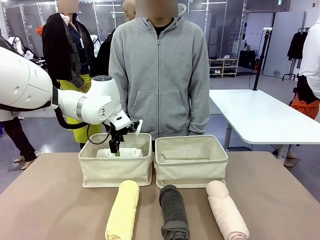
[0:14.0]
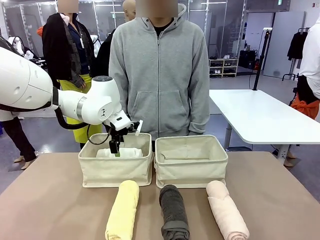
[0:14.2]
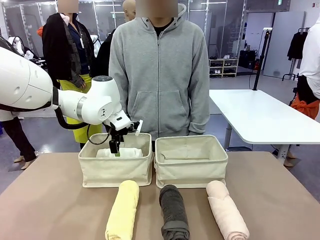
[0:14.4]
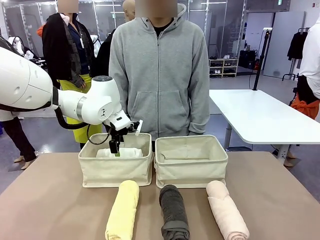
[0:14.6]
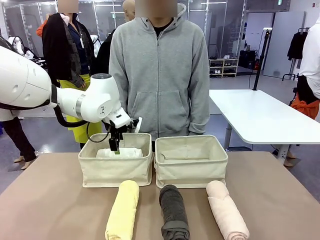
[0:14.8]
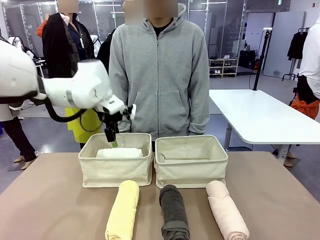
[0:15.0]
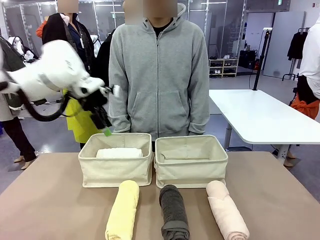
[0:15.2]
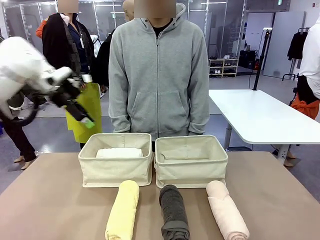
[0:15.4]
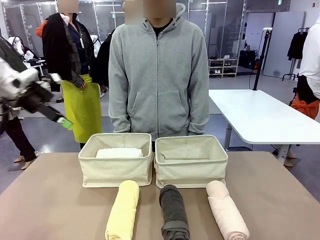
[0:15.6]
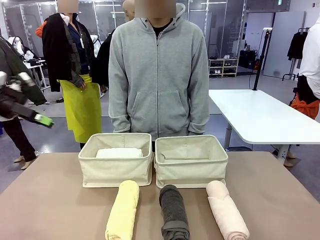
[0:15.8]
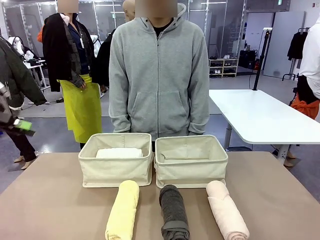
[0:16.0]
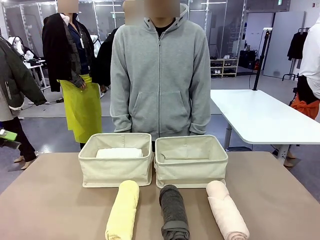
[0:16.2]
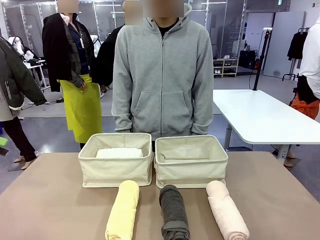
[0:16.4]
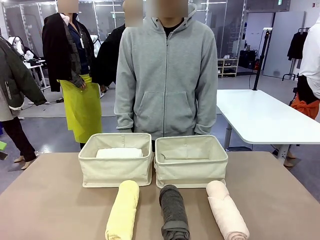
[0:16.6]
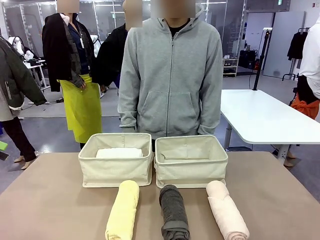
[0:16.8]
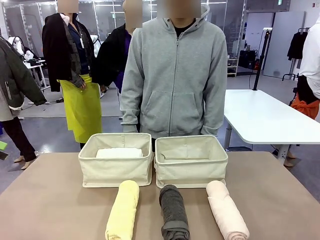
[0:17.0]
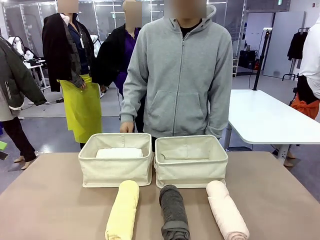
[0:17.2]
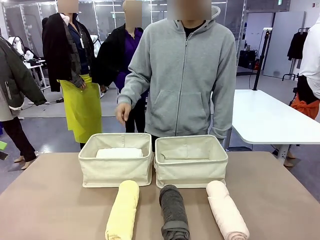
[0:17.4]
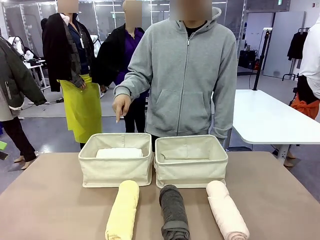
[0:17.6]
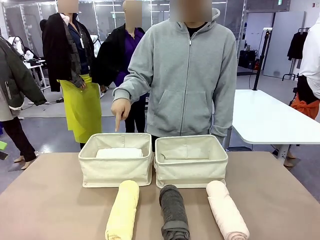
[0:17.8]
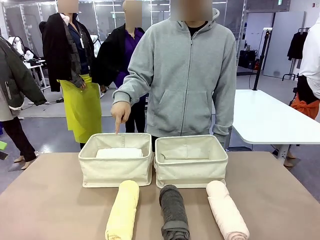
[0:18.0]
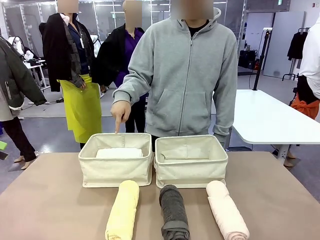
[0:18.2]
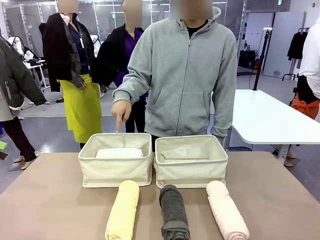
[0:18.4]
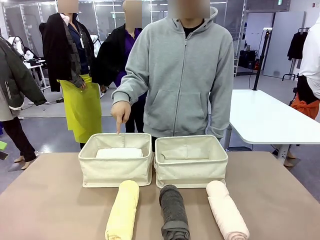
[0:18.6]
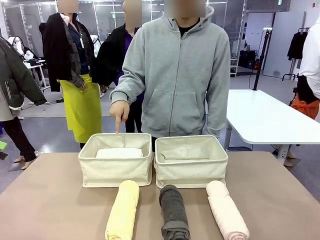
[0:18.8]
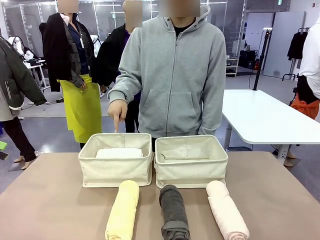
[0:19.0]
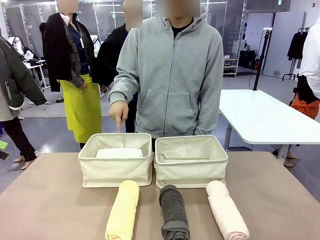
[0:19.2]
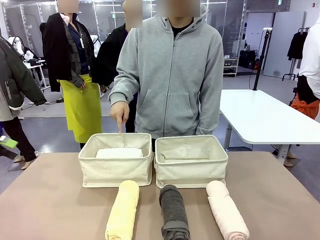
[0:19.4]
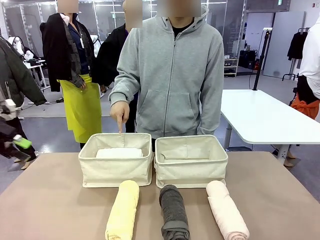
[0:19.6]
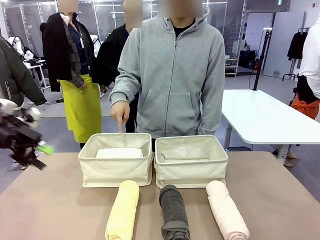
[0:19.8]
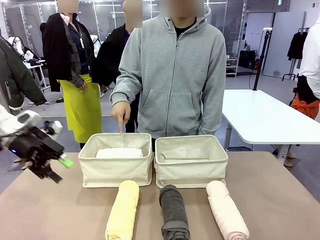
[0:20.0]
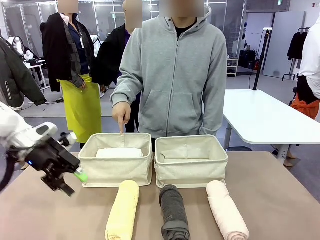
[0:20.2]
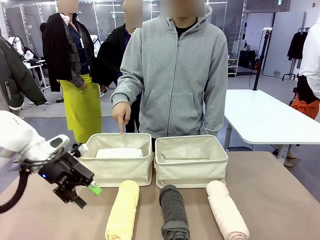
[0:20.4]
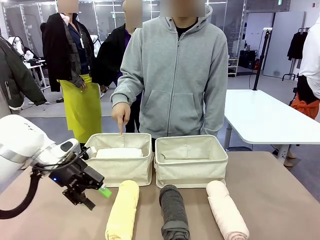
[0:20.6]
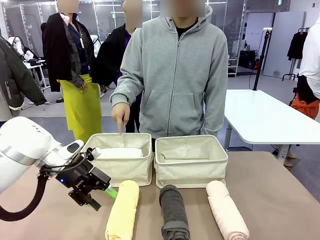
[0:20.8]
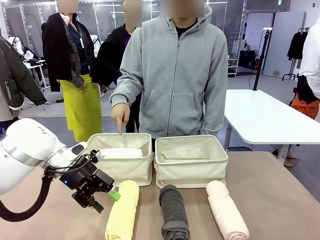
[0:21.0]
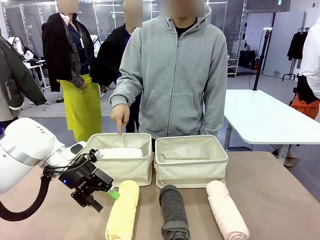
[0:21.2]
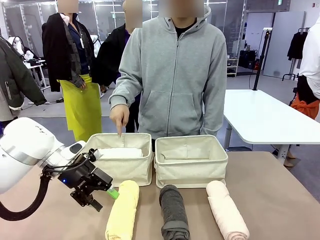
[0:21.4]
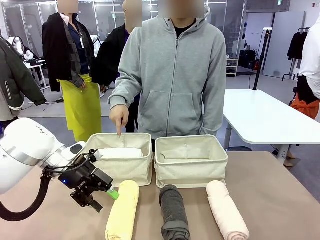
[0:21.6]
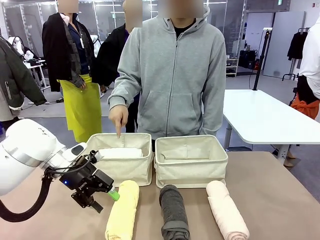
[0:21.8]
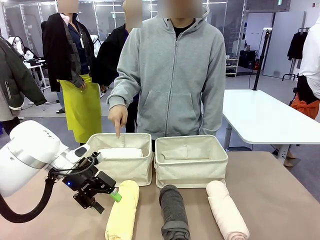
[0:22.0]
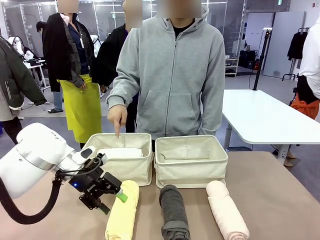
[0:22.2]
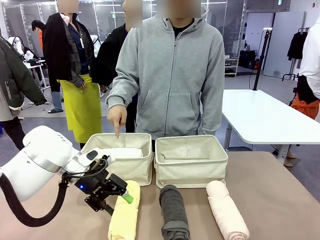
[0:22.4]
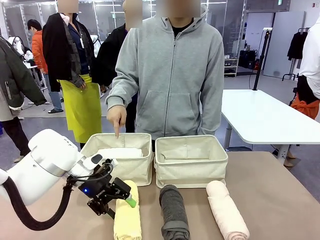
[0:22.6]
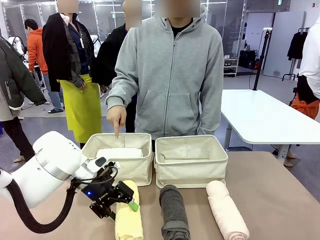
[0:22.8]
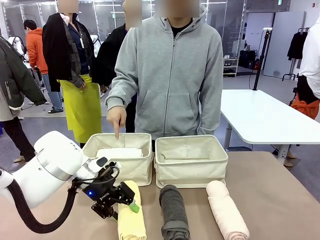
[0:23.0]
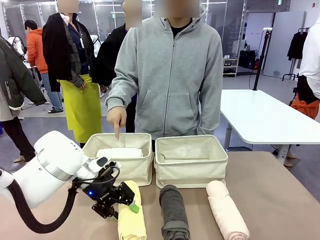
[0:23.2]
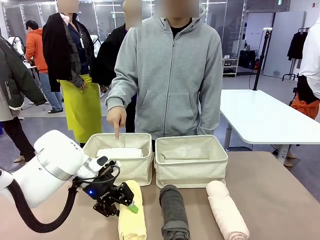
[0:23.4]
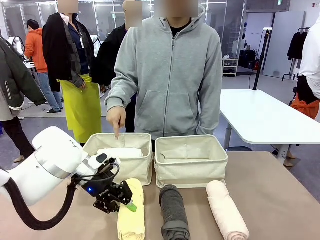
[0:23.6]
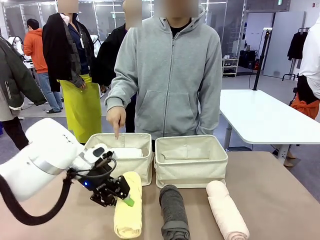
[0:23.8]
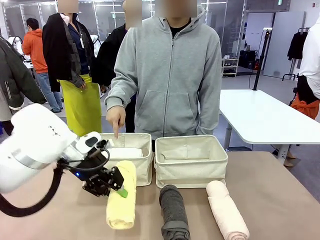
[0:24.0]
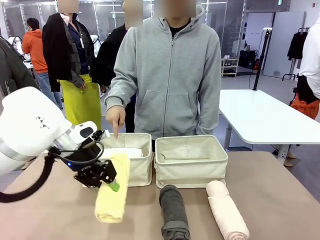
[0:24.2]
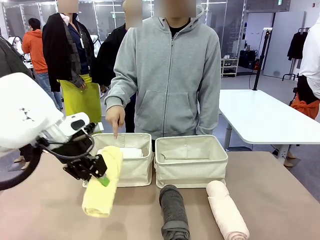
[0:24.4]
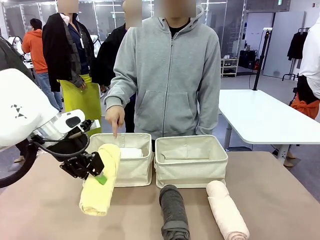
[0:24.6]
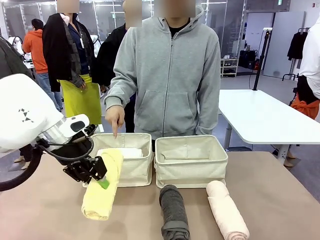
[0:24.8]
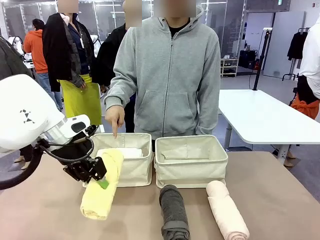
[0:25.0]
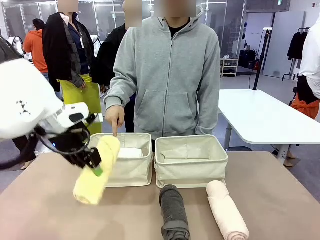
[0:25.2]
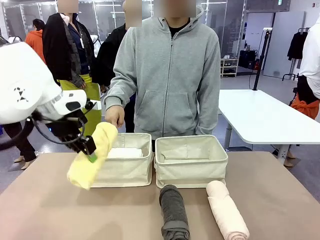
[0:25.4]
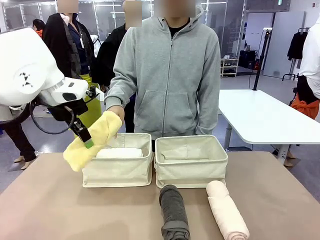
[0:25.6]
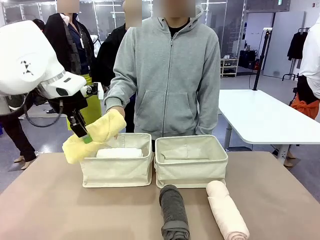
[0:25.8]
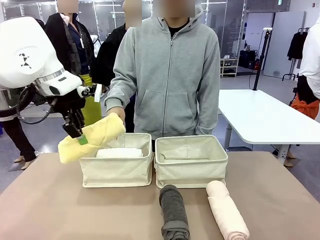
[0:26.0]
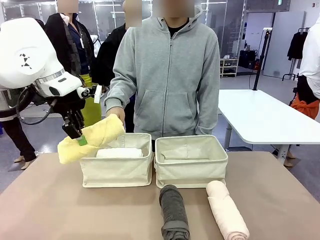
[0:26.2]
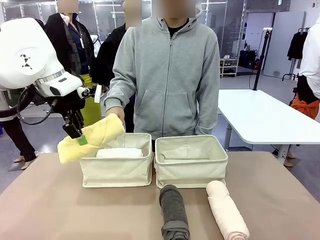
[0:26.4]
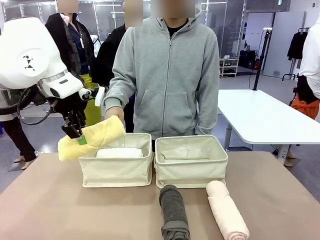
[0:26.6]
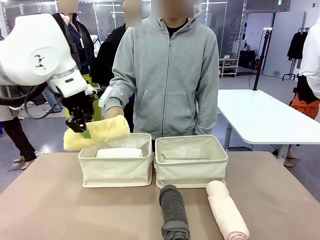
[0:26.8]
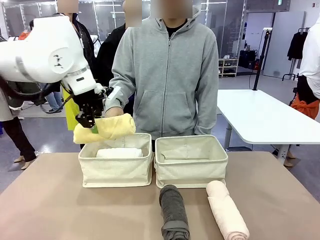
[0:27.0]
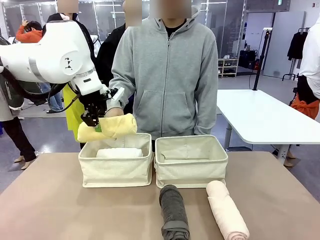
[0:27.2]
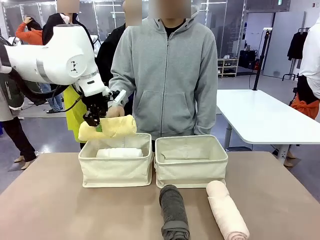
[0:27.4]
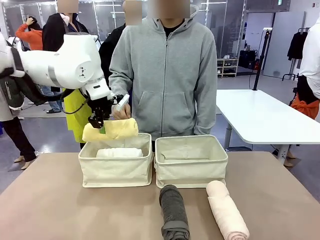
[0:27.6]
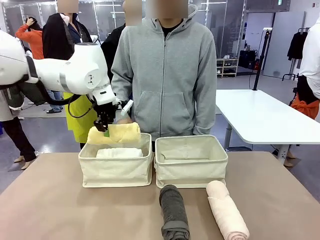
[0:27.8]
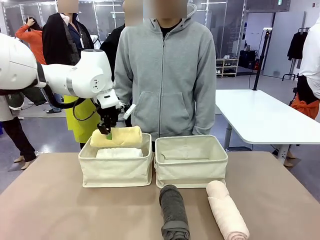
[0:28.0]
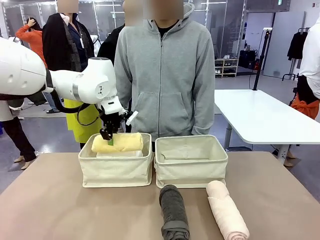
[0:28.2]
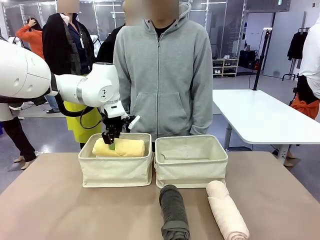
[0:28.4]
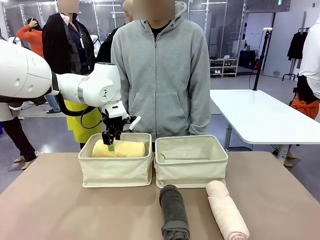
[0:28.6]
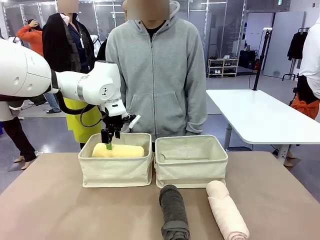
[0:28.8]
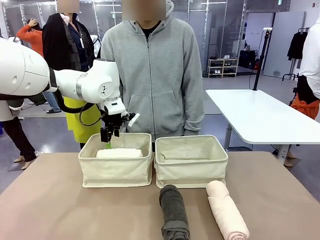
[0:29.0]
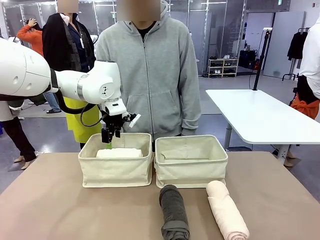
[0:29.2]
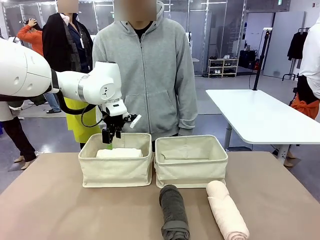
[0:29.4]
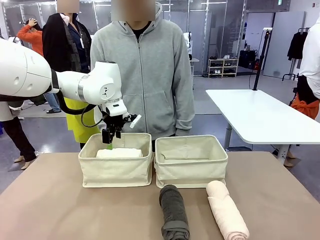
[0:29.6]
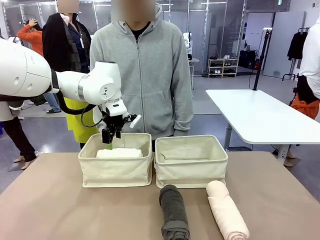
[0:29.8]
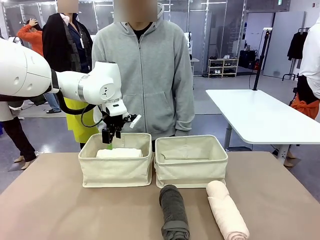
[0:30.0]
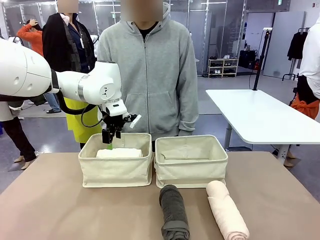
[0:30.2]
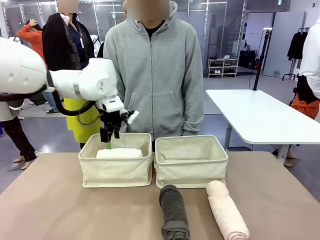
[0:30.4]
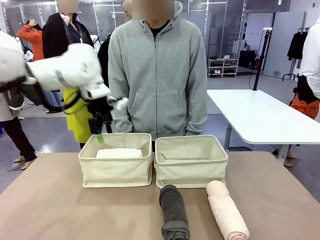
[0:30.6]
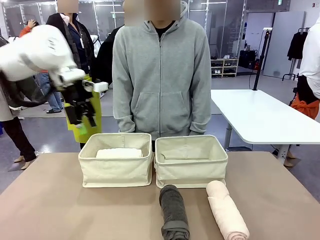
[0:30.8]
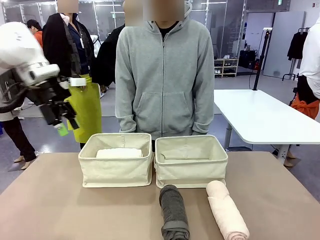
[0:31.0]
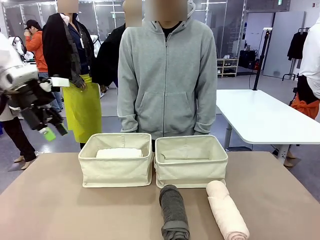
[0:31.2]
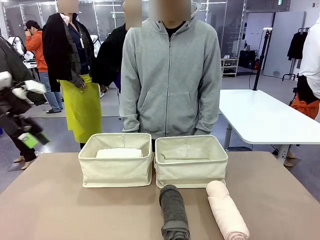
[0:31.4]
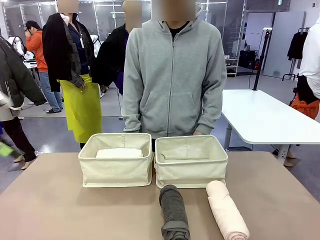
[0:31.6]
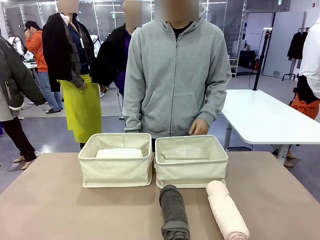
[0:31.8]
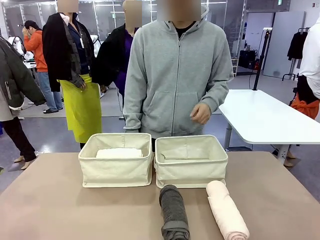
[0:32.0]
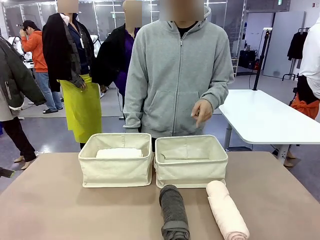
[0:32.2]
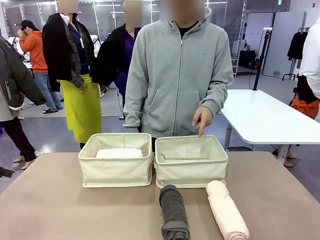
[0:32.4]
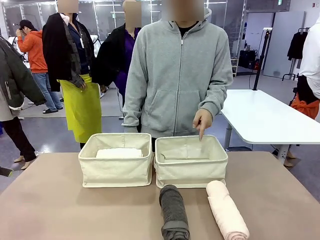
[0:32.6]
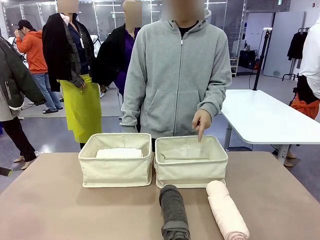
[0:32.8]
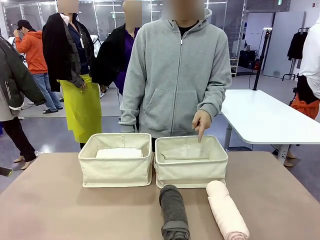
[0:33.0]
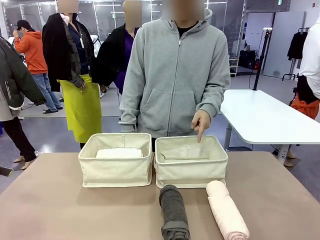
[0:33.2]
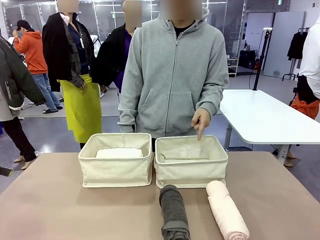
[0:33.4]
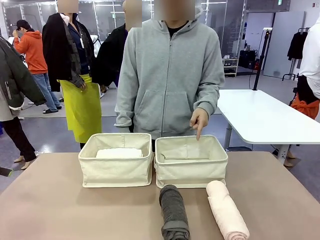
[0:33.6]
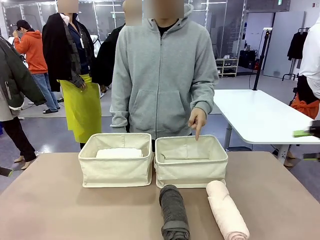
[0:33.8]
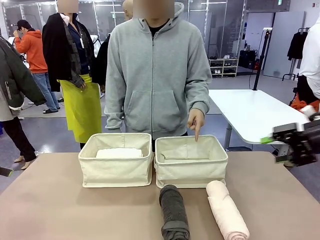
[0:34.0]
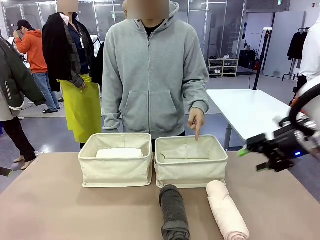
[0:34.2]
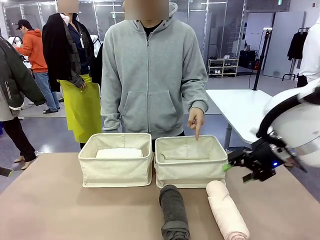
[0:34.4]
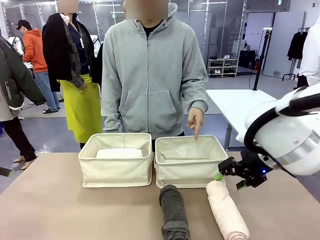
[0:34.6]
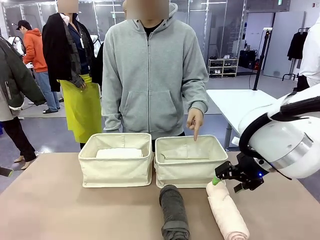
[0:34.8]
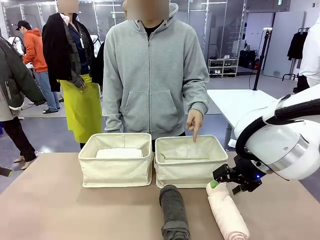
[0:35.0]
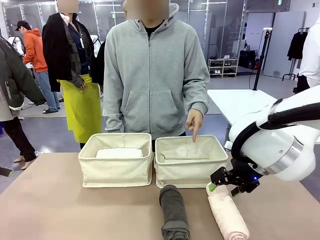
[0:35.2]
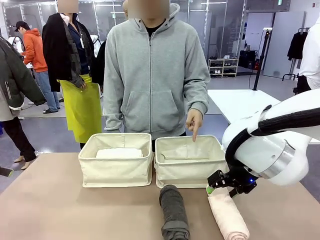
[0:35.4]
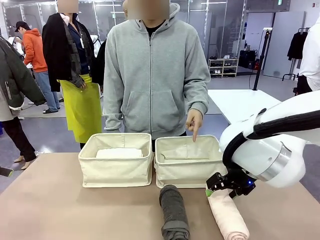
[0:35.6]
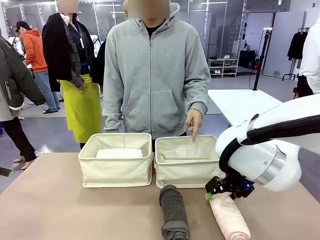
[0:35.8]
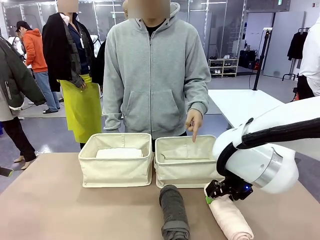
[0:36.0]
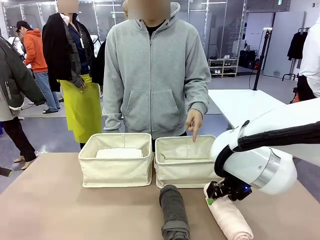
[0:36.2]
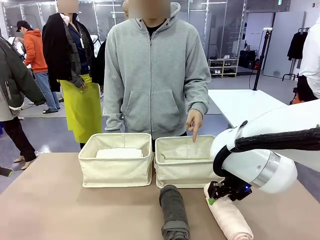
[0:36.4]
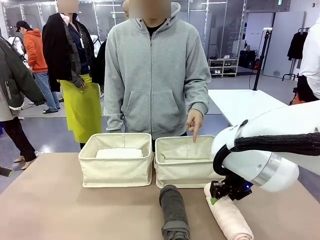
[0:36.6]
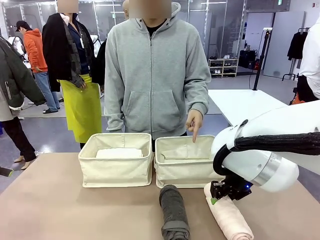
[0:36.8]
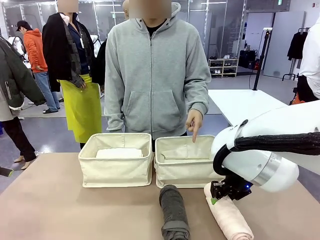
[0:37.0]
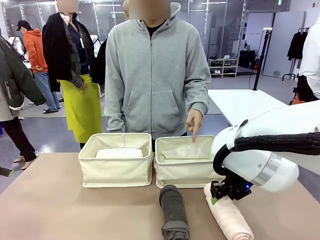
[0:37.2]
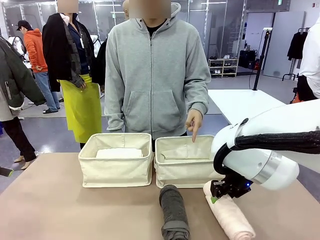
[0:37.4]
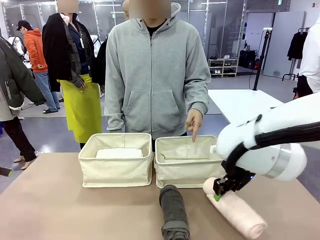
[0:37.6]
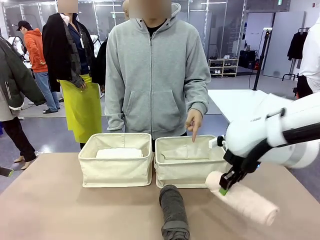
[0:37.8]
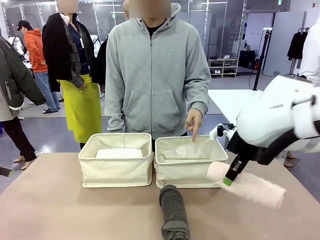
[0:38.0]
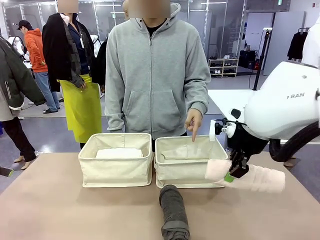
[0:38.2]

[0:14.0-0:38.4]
Task: Divide the towels into two baskets.
Robot: Pick up one hotel-folded towel from the bottom of the table and place it in the Fabric basket indicated by the person.
